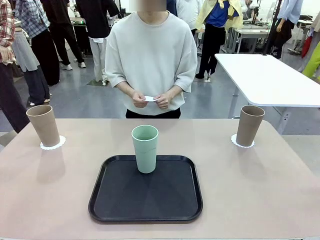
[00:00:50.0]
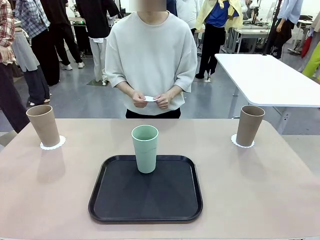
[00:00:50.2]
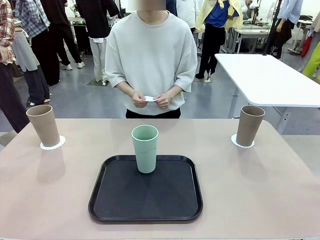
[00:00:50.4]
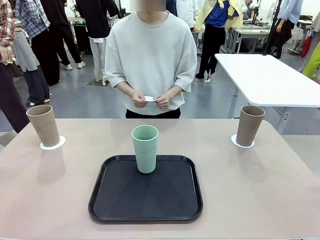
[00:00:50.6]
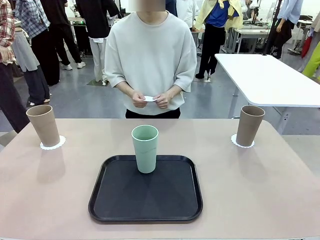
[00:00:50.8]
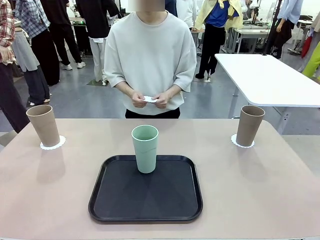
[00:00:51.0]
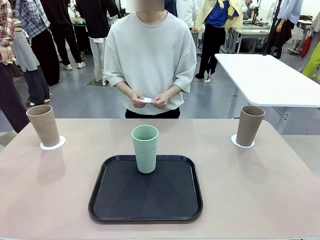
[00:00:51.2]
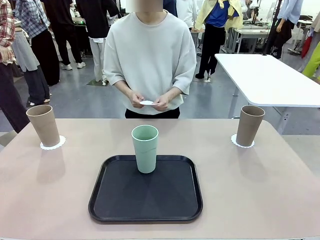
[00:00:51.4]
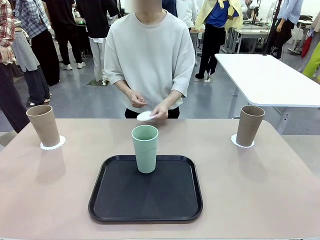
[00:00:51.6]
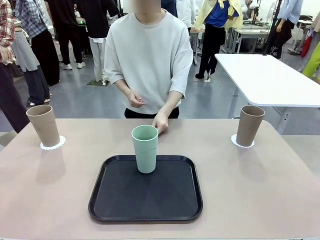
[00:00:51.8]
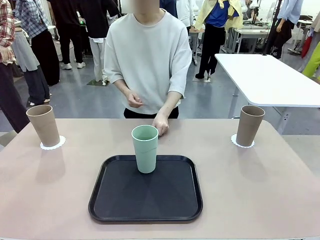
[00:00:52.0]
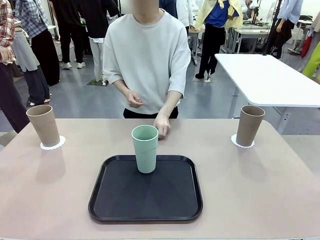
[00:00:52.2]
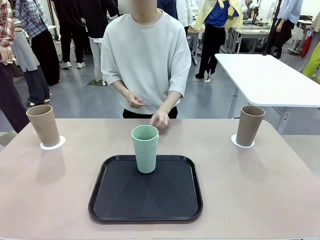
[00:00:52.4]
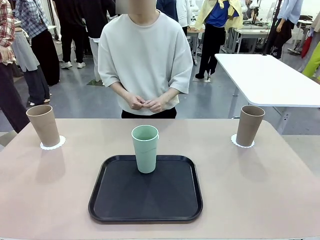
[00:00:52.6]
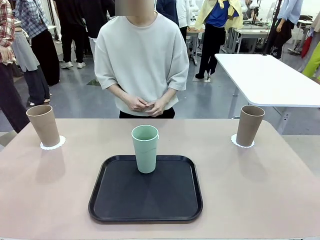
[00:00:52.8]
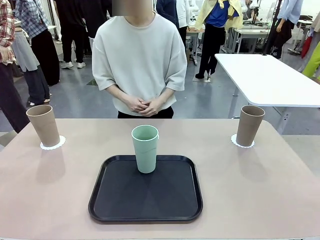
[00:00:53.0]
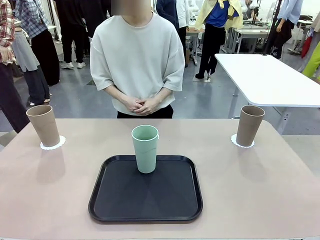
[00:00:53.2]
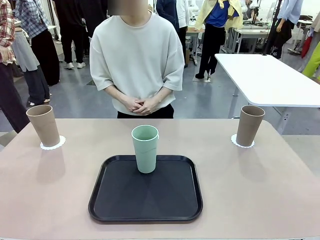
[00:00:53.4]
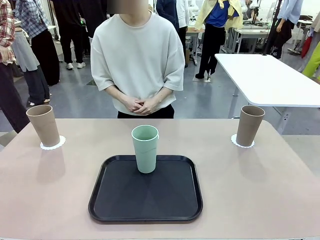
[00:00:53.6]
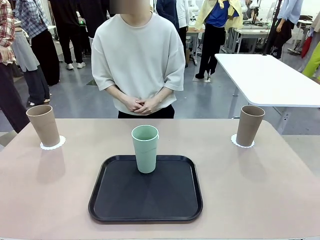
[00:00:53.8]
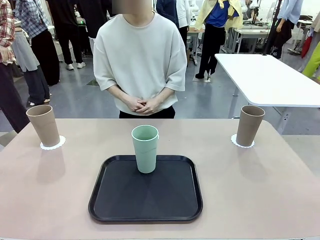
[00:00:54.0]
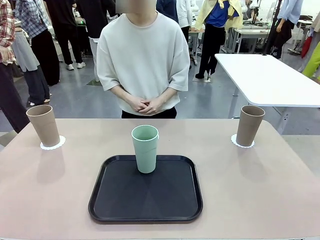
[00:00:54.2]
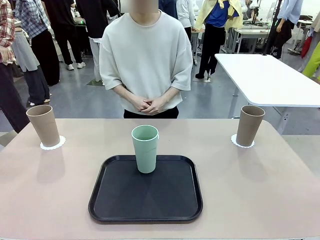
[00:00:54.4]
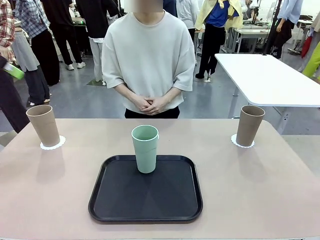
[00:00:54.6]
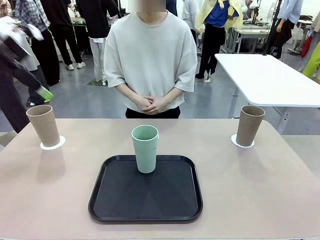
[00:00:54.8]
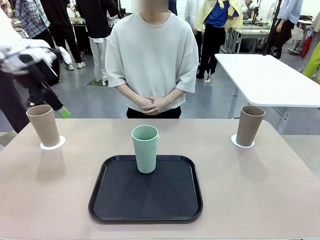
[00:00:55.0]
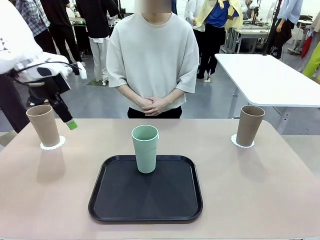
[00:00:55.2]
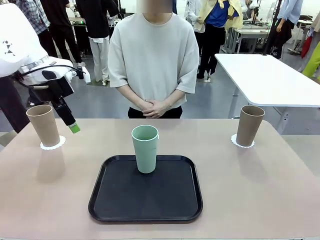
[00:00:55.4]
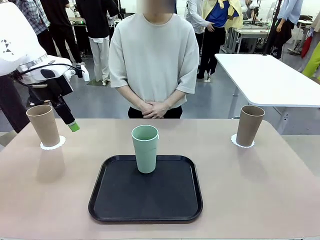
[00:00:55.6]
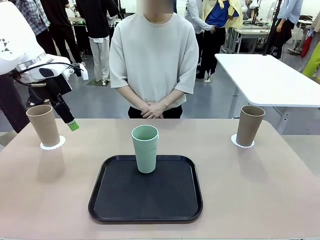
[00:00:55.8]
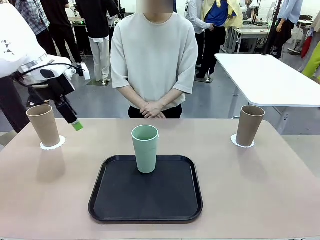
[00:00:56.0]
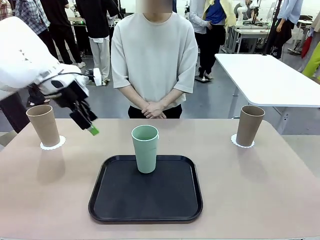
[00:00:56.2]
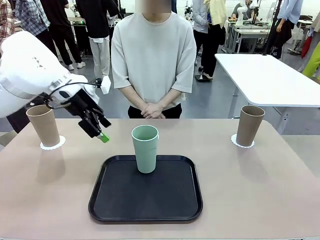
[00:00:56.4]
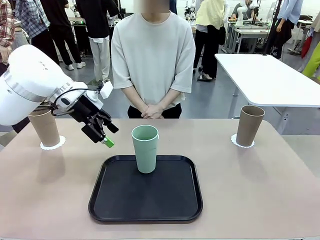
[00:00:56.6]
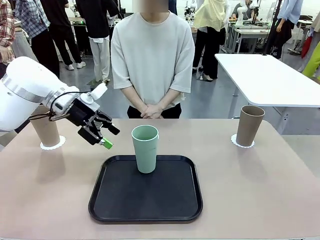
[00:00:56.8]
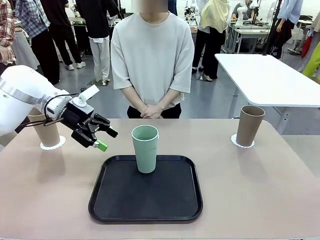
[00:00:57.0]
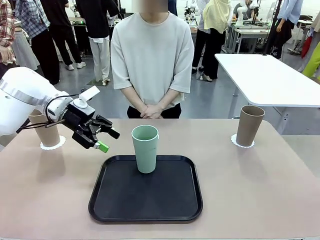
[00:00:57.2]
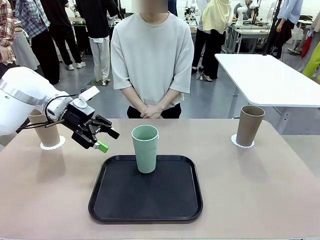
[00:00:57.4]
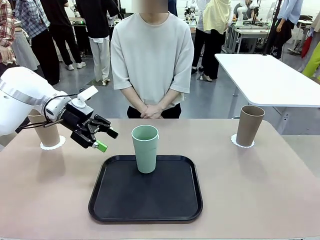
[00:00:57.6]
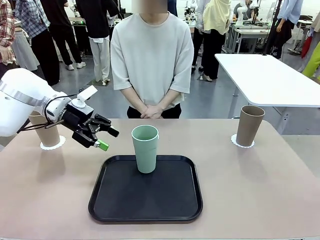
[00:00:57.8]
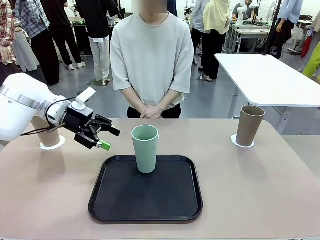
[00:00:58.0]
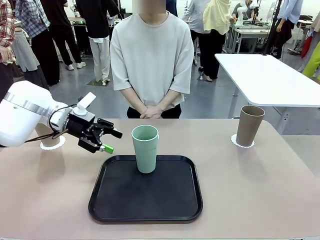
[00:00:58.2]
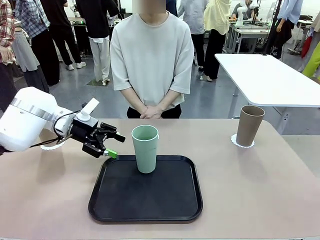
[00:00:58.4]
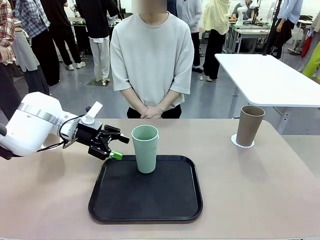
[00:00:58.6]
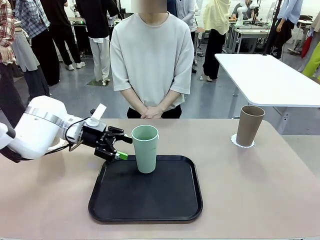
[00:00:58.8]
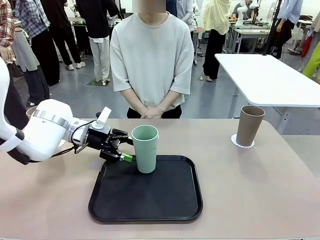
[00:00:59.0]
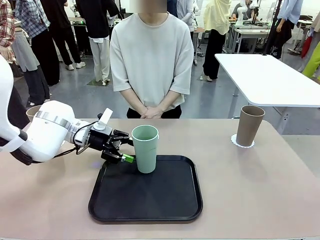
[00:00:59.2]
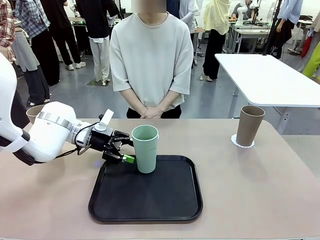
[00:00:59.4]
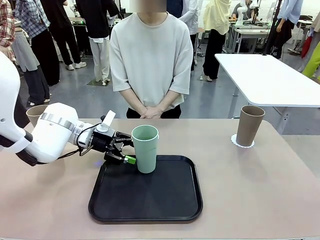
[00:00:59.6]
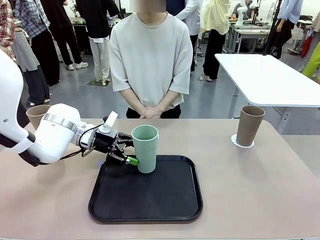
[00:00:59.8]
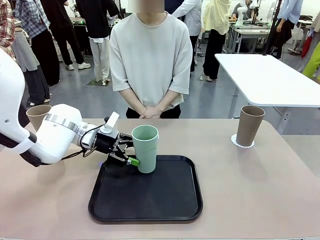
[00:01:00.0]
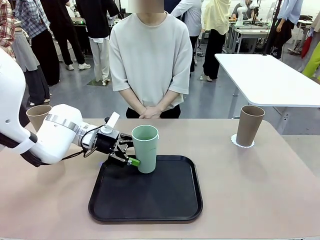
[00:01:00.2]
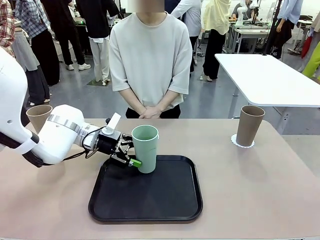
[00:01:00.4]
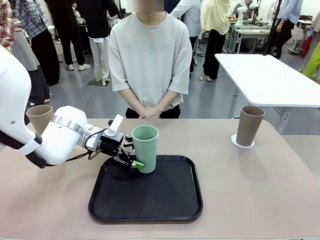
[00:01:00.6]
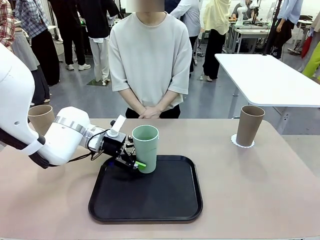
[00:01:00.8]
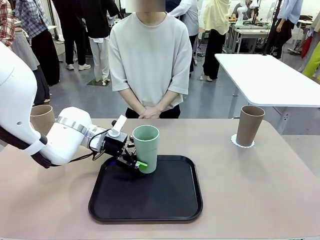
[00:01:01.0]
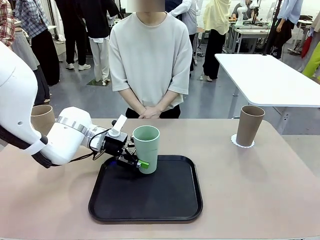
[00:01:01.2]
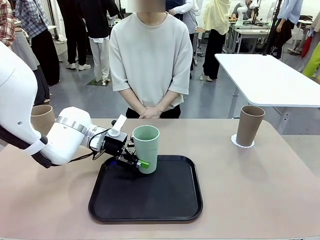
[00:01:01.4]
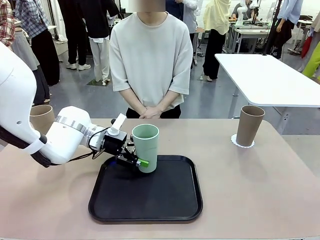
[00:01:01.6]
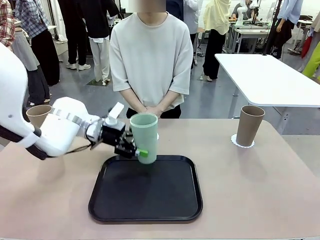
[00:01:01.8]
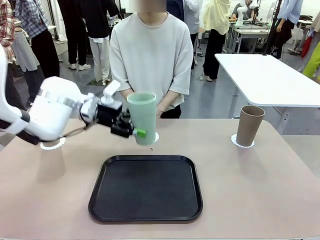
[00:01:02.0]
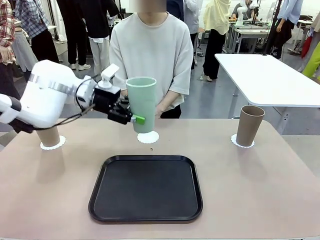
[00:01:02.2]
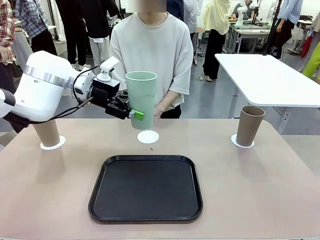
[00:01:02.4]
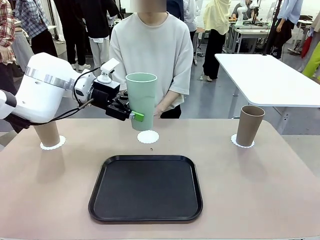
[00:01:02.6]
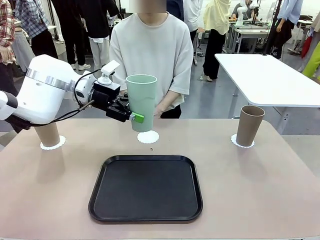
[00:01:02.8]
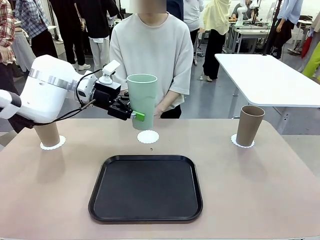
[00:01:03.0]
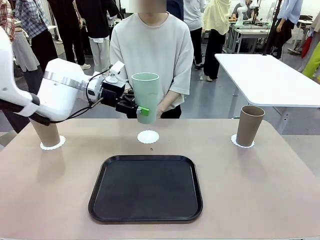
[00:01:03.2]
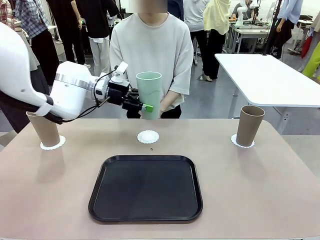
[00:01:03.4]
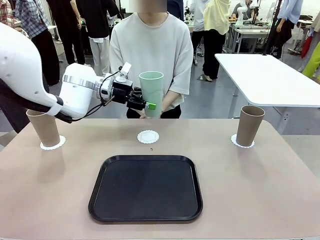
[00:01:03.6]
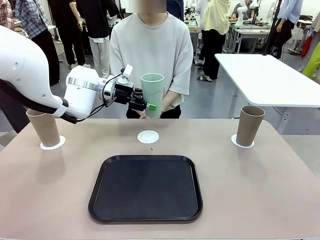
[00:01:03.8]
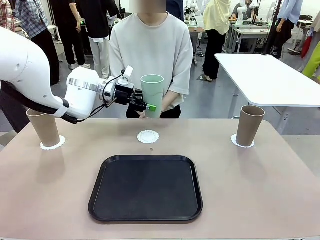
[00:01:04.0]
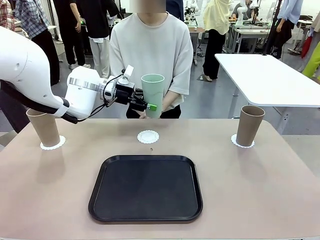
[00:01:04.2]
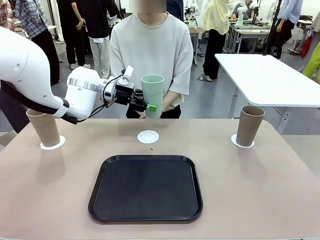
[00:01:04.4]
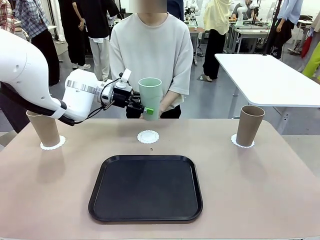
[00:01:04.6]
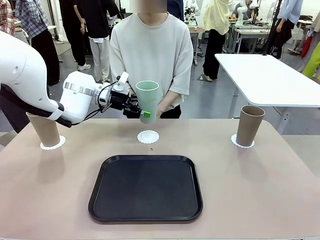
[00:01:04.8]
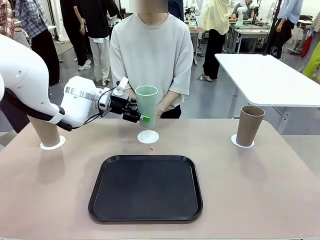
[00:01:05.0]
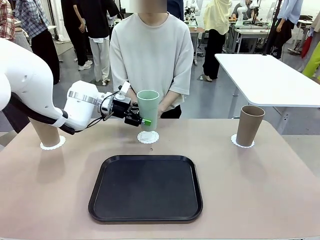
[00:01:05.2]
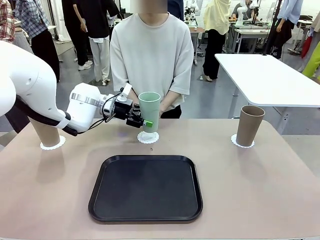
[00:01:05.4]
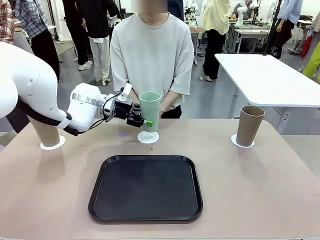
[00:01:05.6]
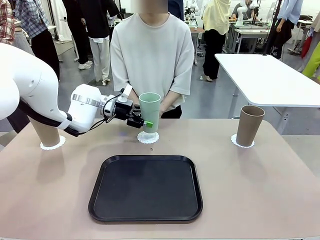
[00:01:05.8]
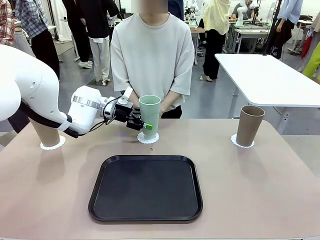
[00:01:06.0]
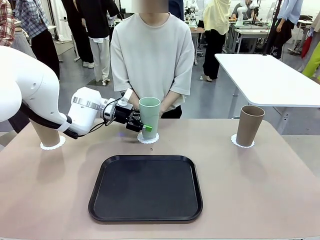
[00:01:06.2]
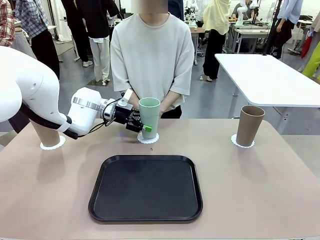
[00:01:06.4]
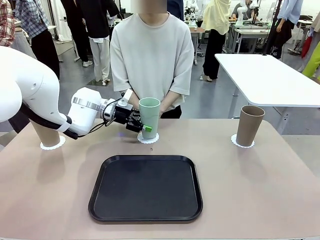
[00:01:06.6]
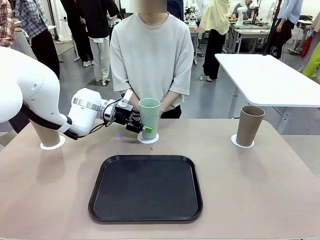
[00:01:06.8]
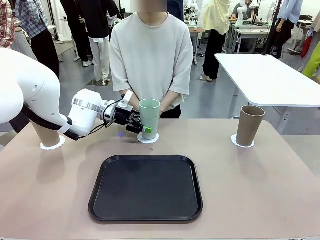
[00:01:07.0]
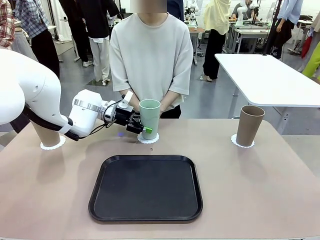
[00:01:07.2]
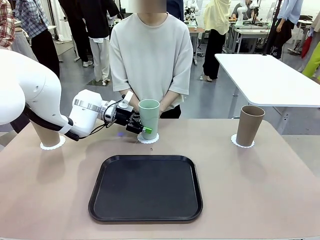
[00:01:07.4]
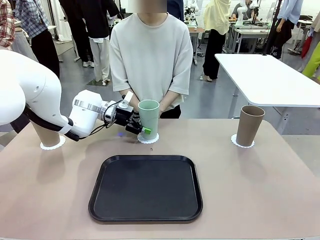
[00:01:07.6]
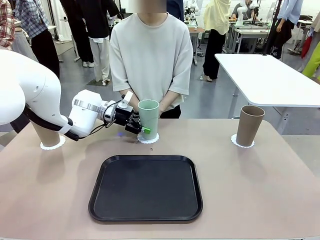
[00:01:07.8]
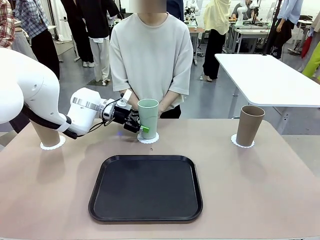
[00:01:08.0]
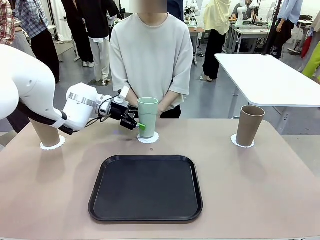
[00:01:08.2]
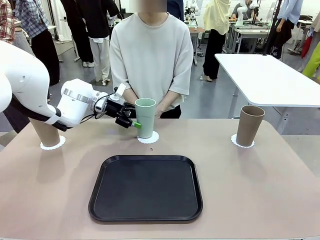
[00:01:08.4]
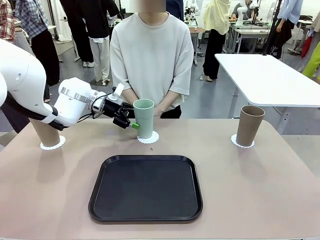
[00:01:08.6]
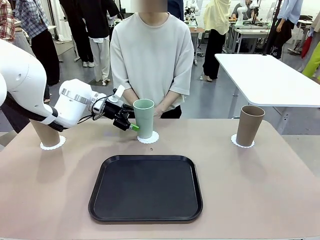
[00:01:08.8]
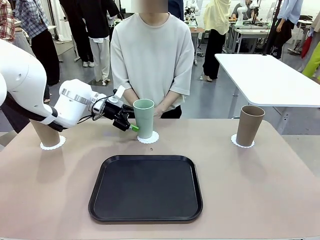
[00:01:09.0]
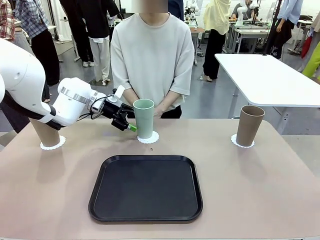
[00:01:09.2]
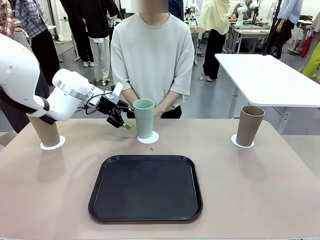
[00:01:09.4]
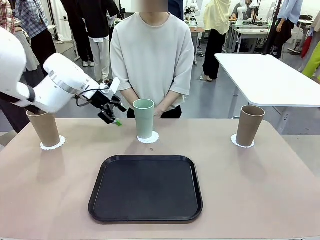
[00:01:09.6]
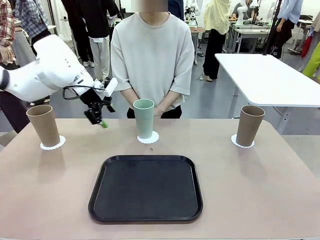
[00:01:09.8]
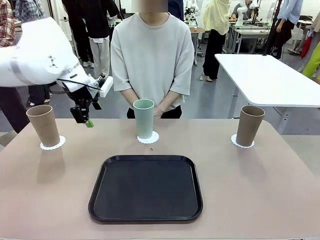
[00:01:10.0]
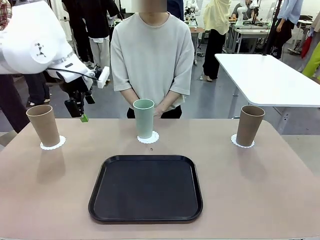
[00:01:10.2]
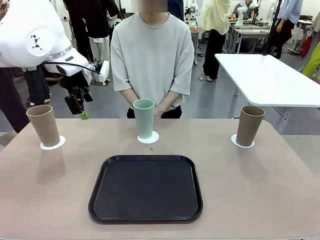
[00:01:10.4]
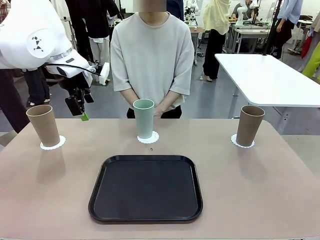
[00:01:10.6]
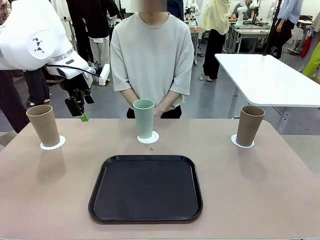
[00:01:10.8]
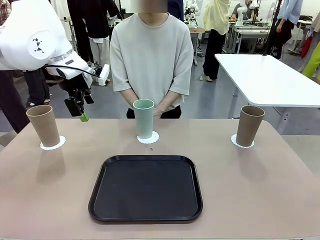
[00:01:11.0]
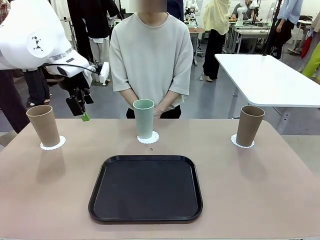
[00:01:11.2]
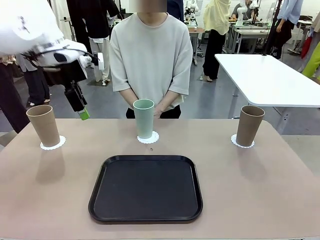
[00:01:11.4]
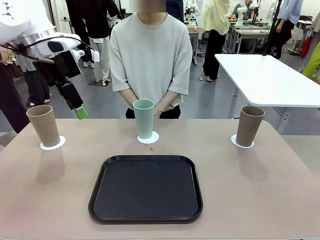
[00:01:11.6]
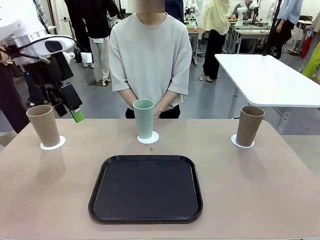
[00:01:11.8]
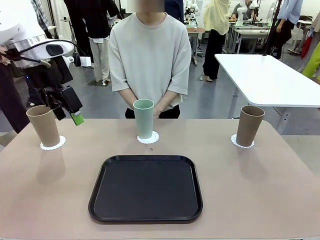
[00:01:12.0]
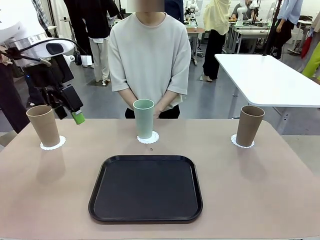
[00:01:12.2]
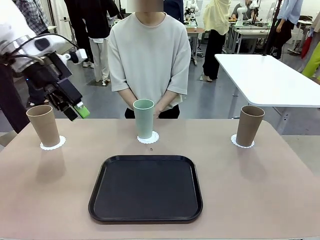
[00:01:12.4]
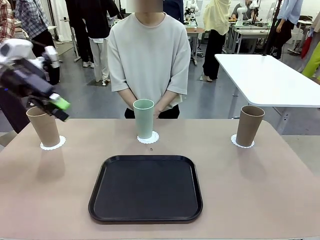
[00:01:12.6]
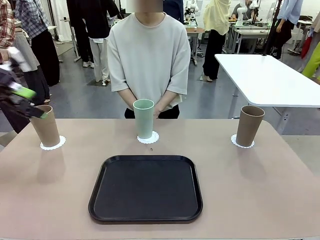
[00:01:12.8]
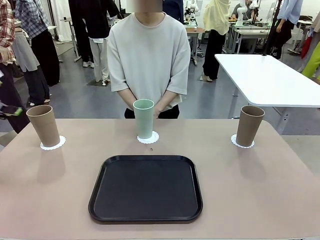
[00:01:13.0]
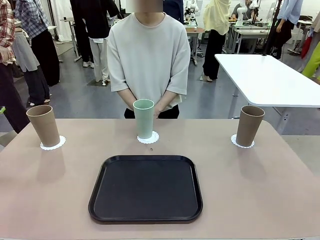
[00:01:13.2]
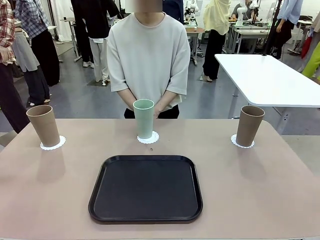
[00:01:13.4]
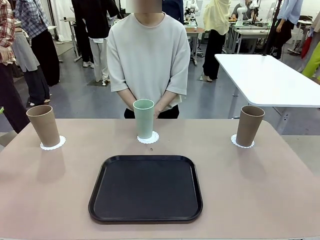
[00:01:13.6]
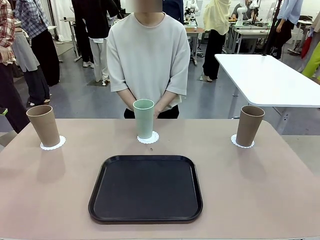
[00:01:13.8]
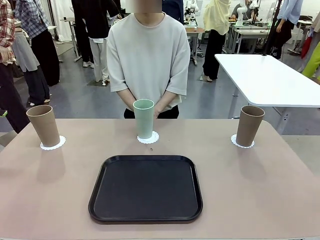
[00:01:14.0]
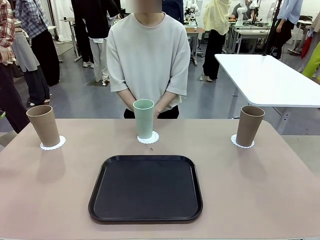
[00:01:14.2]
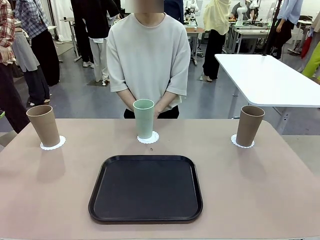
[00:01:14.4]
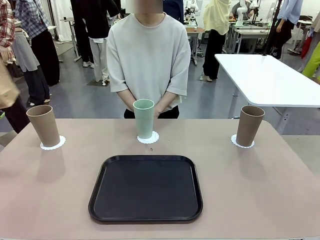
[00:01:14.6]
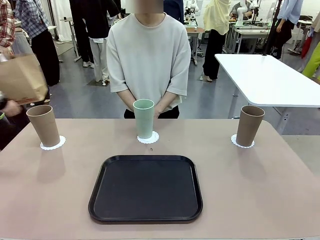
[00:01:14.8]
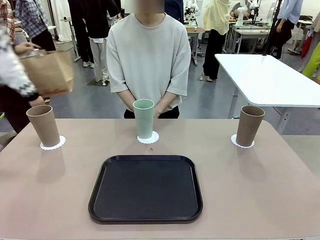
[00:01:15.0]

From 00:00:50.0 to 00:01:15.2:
Task: Place coasters on the table and set cups on them.
Robot: Take one Reusable plastic cup from the Flat Tray and place it on a coaster set by the human.
Person: Place one coaster in the only remaining area.
